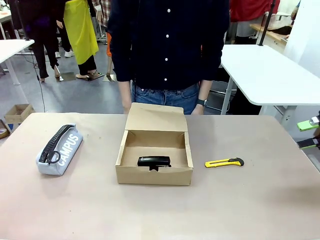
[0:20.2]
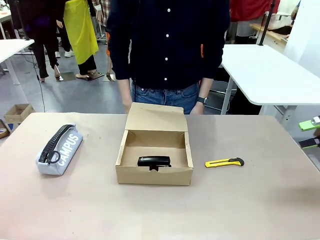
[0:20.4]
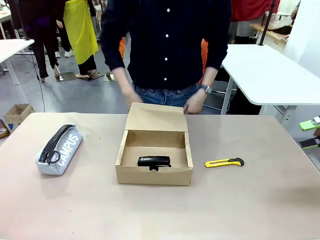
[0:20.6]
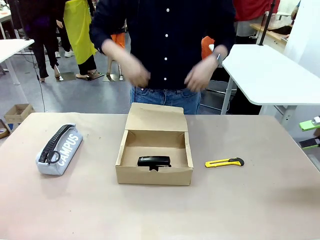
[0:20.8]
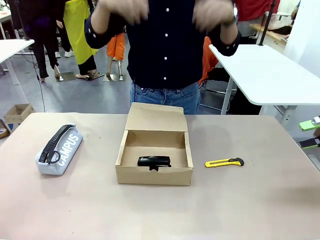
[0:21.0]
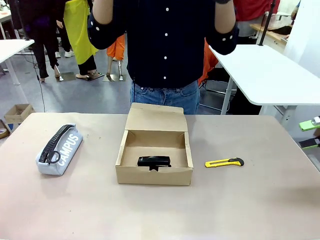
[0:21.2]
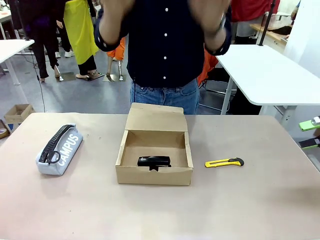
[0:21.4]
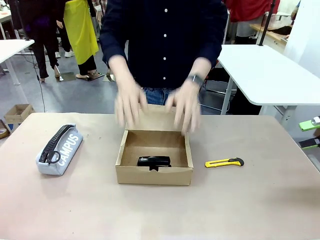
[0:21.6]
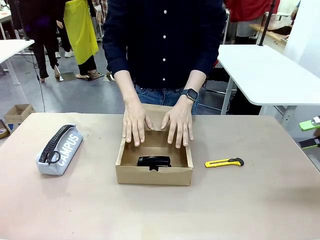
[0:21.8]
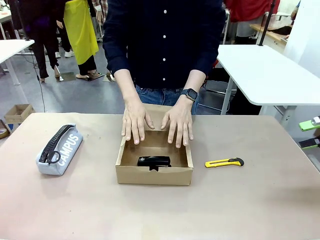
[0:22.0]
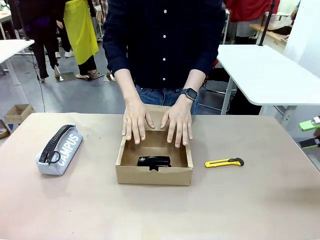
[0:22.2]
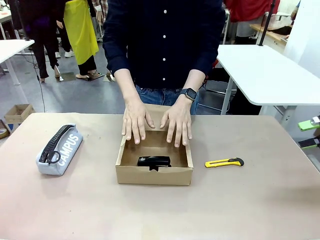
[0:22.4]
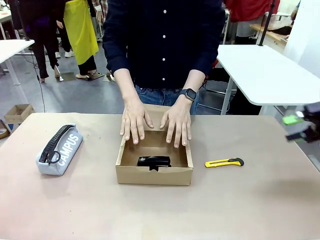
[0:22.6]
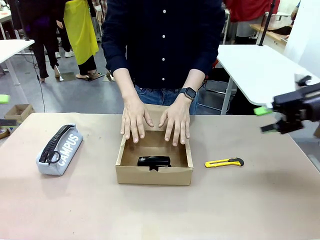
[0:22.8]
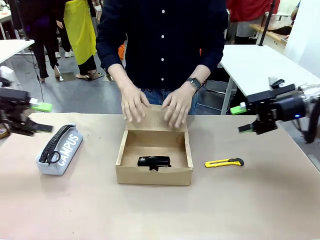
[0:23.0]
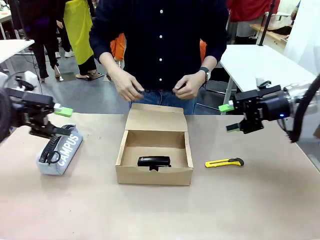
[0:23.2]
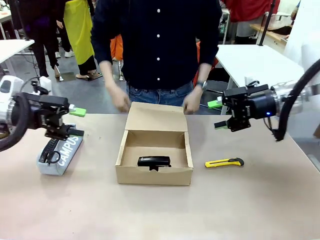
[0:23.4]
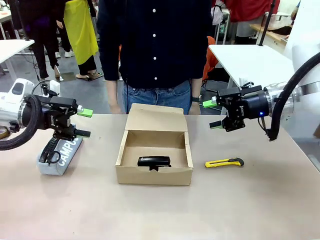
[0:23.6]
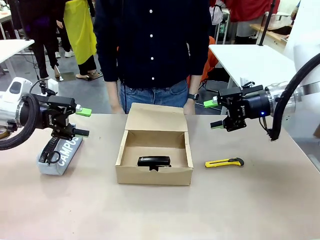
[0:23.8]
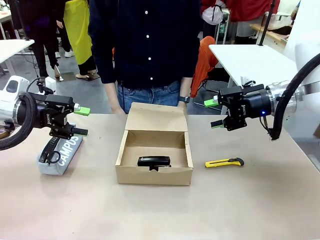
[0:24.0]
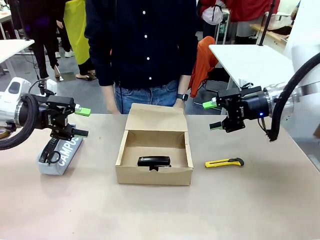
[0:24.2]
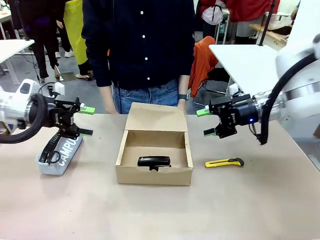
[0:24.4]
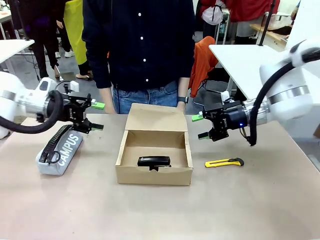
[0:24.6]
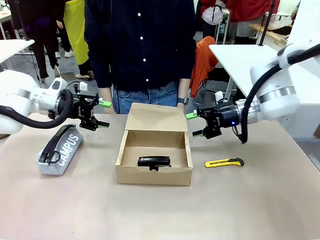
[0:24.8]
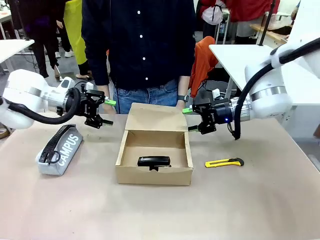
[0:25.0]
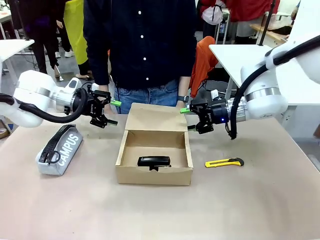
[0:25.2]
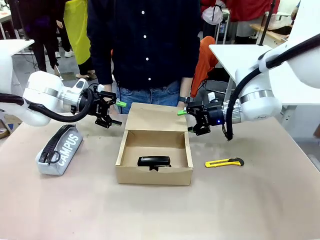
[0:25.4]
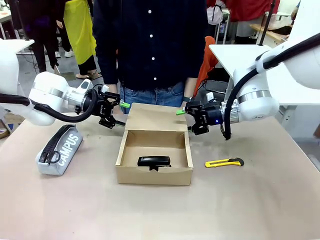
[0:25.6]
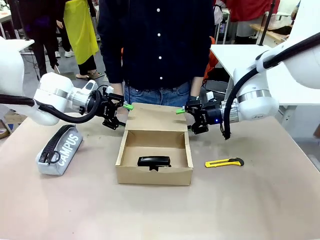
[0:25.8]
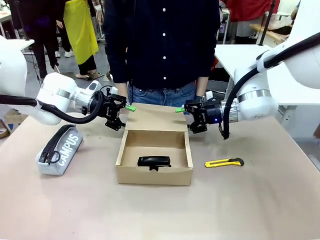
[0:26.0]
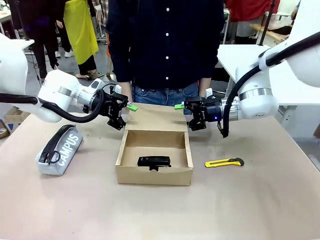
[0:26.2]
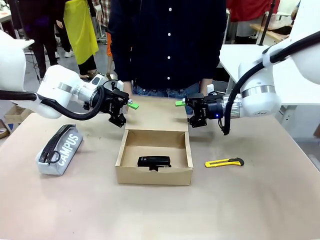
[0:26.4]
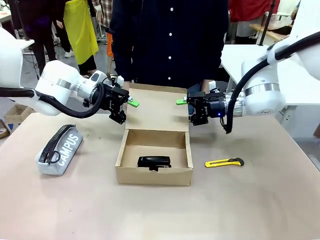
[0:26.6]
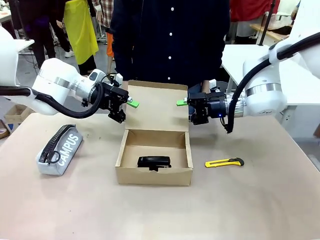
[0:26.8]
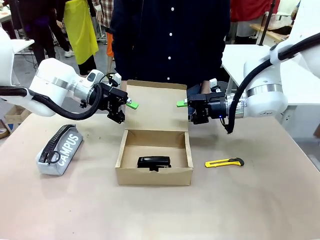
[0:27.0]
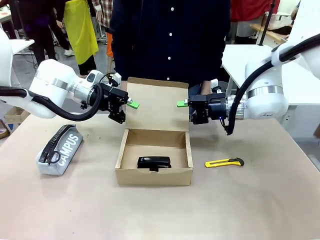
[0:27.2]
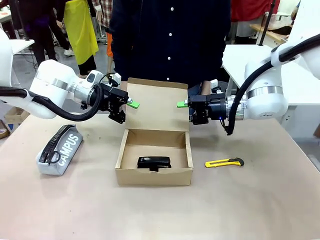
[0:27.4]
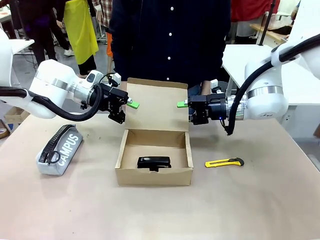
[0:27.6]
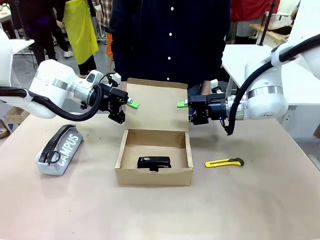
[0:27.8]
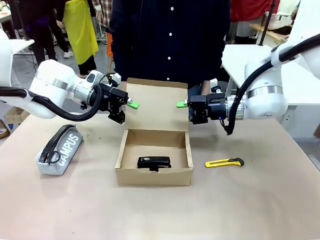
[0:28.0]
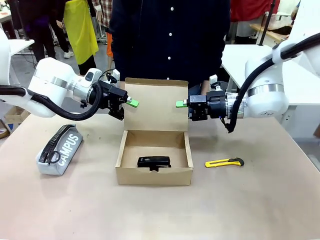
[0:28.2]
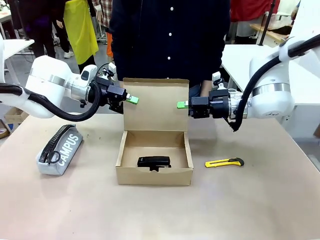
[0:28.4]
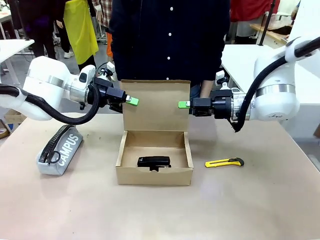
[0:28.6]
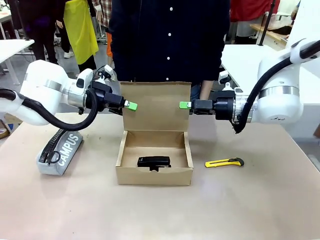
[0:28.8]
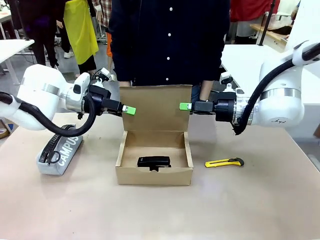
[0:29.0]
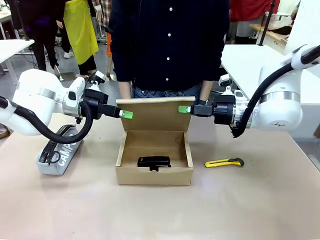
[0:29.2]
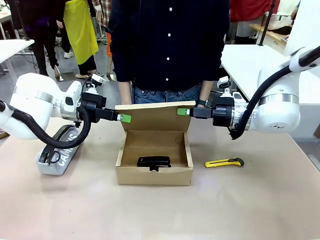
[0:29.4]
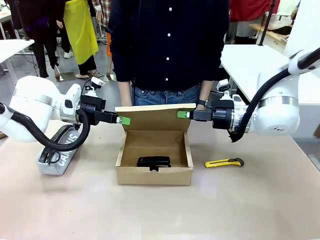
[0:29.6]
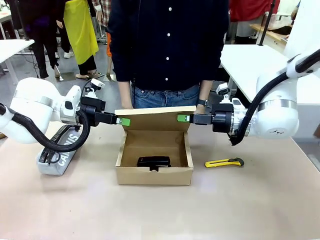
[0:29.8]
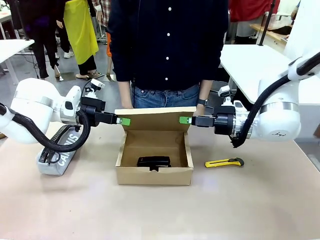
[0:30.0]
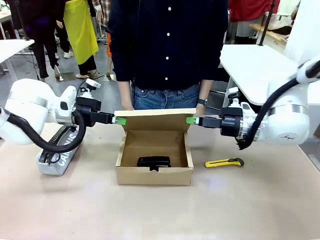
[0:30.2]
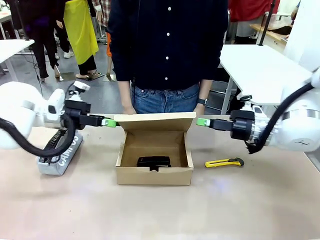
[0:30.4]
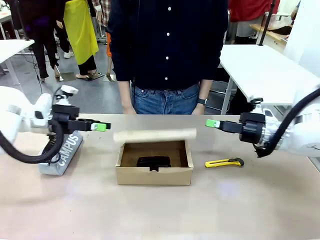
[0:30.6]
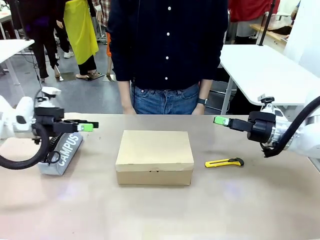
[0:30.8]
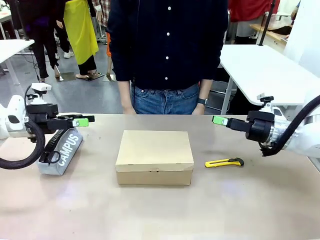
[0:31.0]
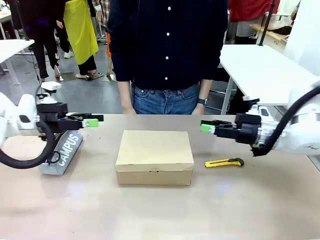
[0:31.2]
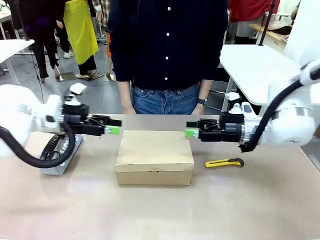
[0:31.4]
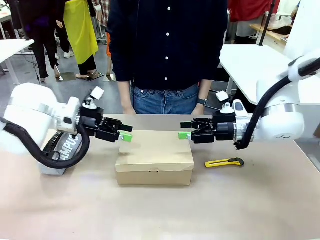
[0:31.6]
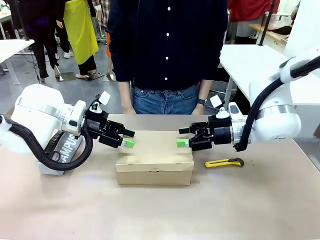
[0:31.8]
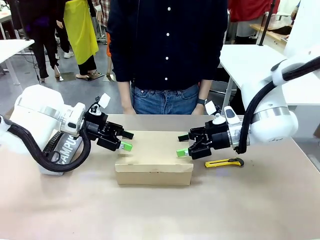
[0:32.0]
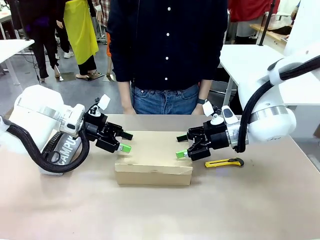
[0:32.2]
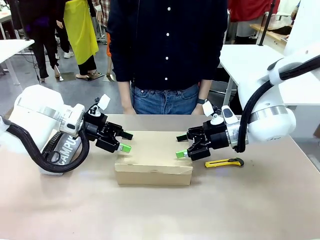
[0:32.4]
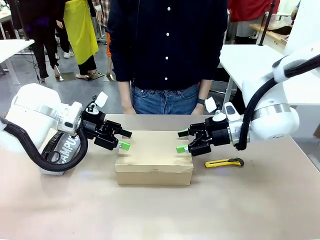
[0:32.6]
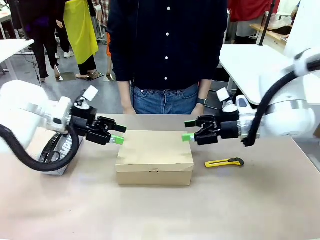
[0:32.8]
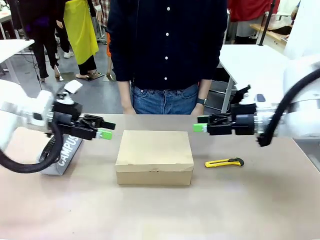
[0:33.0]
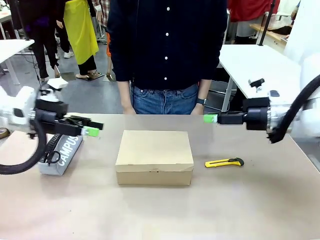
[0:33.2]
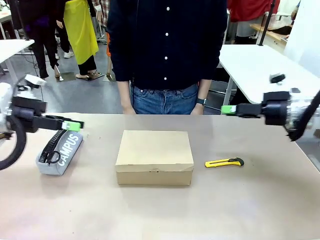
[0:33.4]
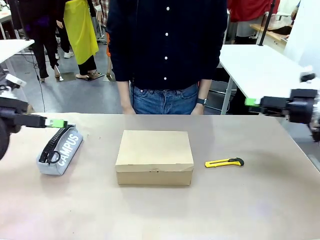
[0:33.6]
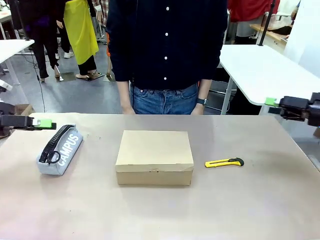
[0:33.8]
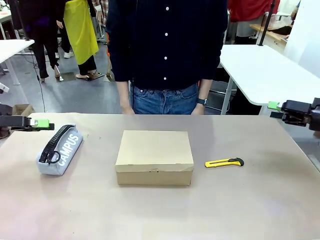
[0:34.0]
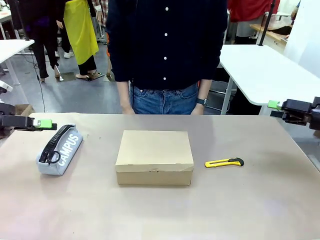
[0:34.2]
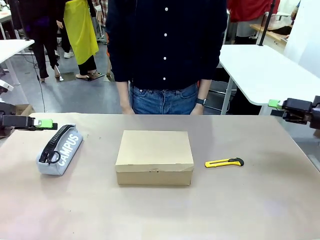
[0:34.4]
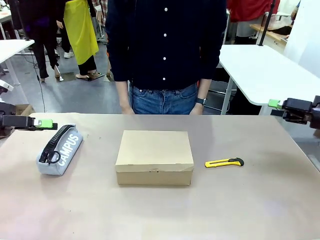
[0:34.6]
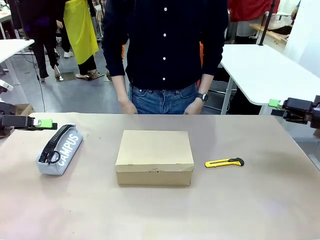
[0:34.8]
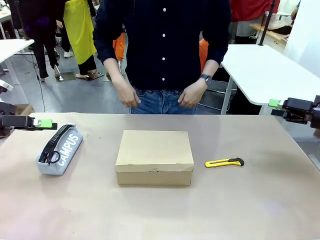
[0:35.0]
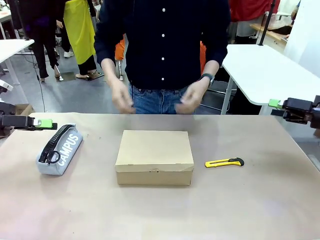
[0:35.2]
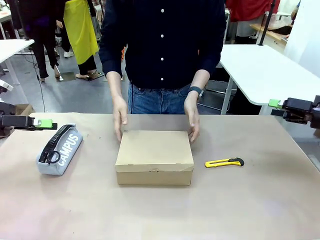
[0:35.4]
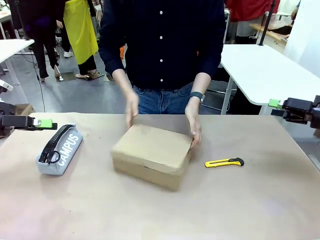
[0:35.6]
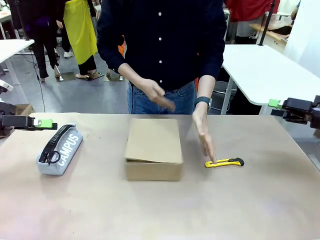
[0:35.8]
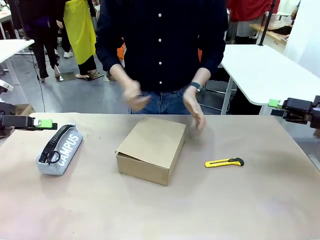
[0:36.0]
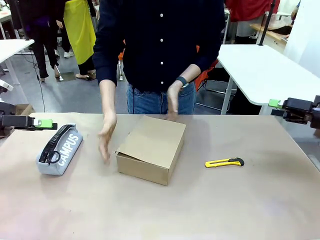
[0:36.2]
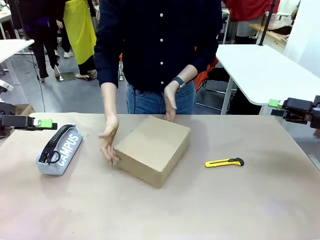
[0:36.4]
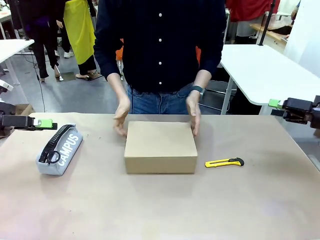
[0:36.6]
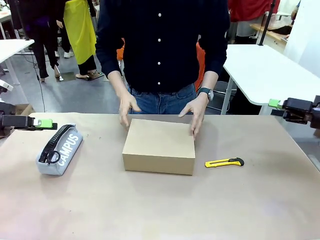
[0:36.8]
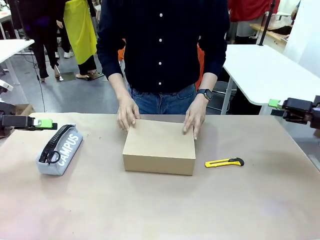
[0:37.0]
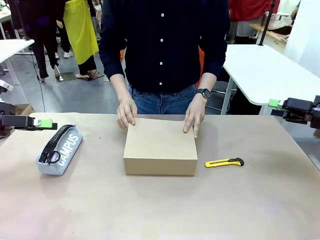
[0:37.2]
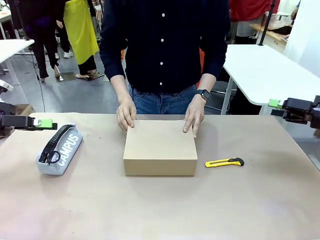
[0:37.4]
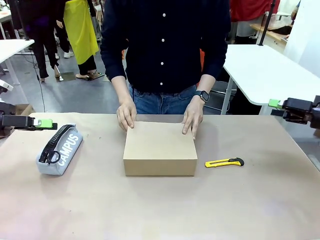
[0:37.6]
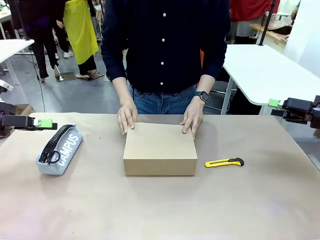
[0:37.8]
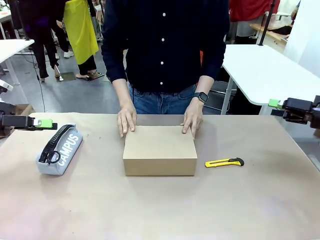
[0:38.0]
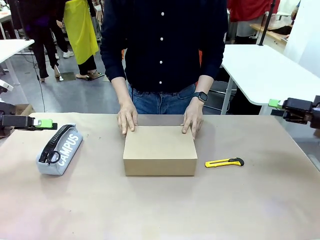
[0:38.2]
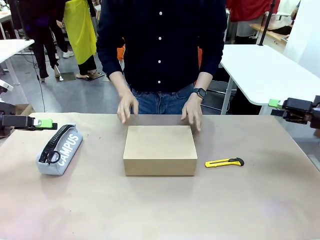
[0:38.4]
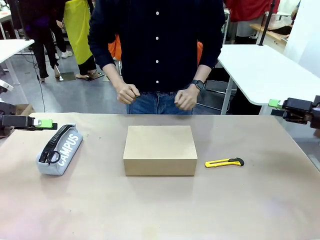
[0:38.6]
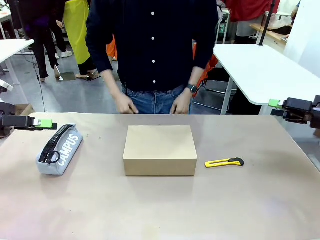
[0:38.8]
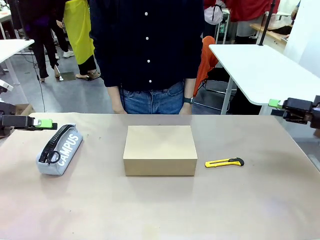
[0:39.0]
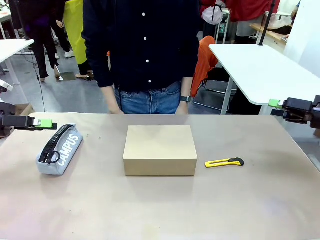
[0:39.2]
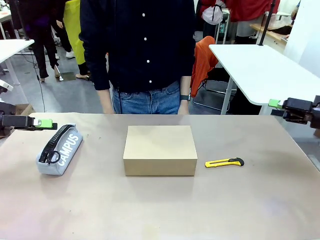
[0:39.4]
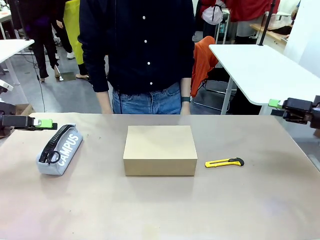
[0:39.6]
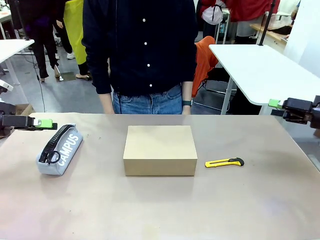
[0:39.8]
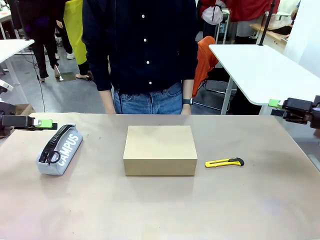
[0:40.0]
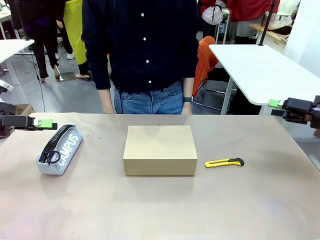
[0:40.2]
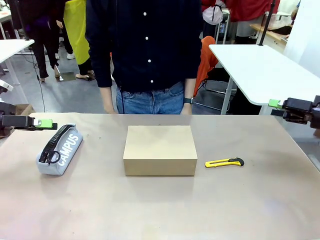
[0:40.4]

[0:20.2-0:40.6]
Task: Pack the item into the box.
Robot: Close the Mailer Box.
Person: Turn the box and lock it.

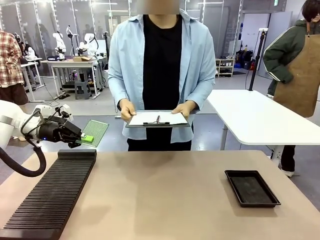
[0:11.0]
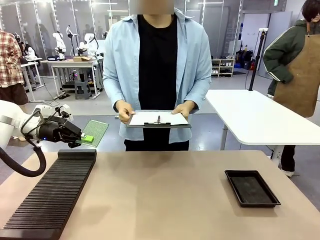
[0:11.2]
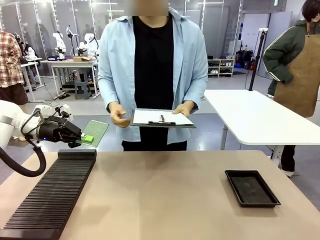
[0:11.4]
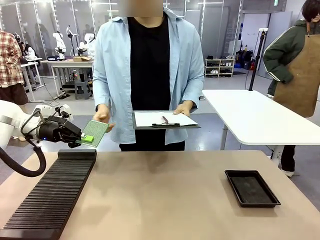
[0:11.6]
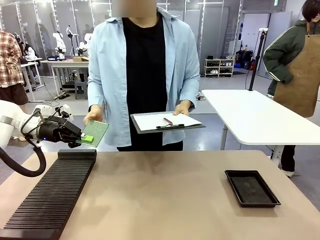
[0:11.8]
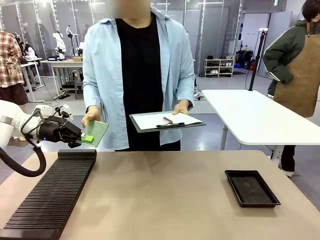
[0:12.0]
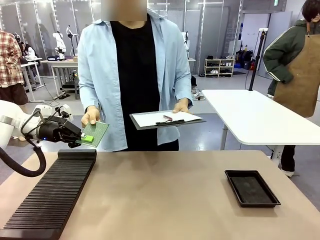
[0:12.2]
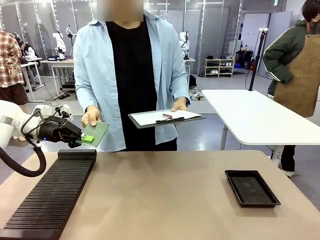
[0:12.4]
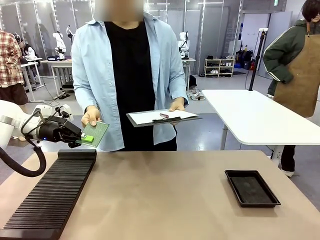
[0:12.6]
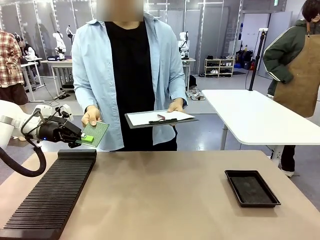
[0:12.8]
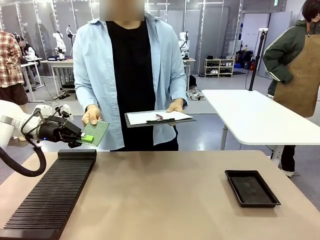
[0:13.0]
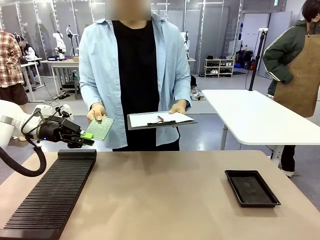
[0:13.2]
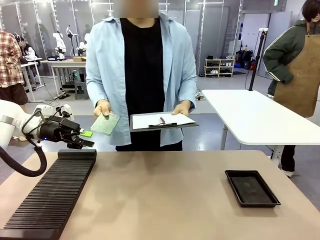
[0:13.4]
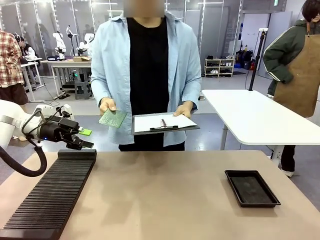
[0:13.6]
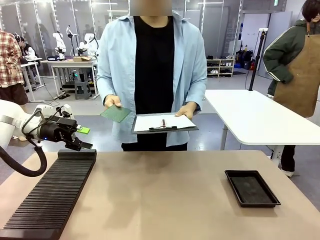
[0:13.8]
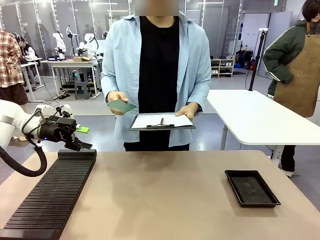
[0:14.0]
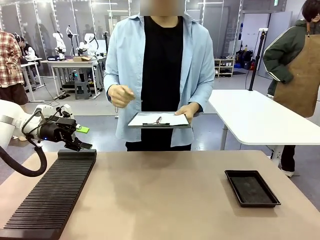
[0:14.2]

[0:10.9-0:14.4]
Task: Inspect the PCB.
Robot: Release the Blank PCB you were holding.
